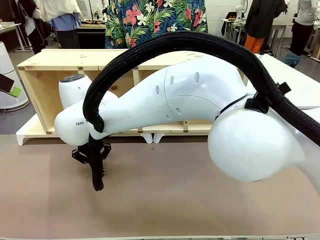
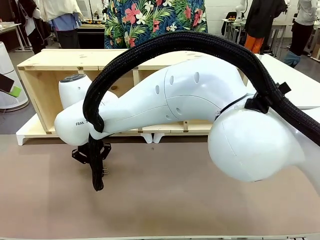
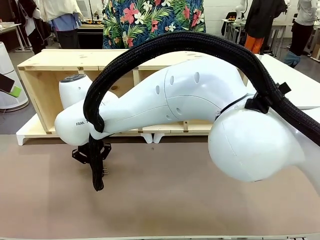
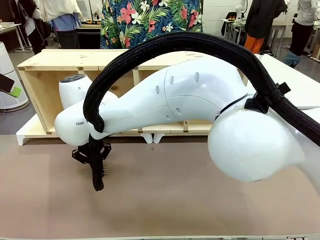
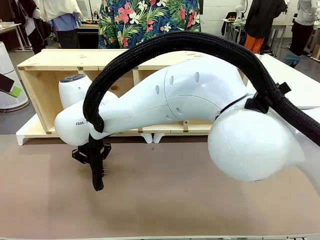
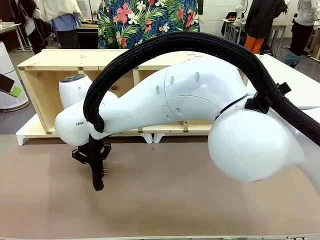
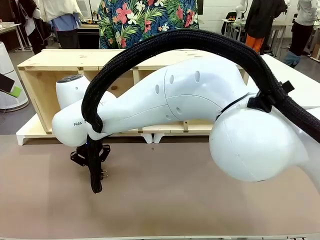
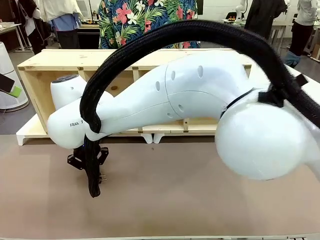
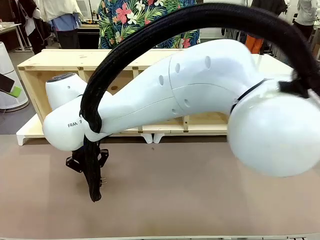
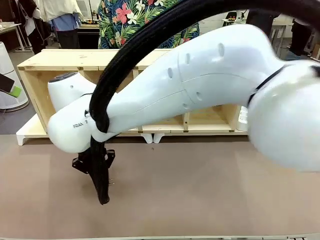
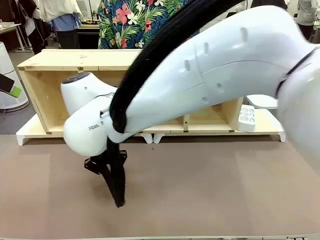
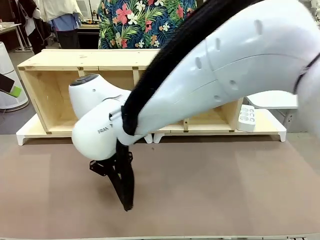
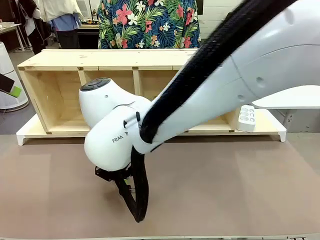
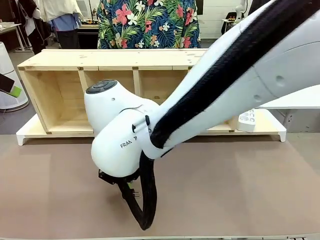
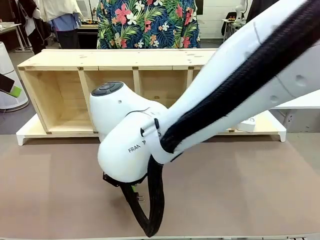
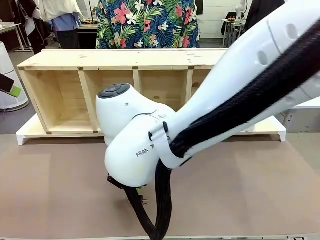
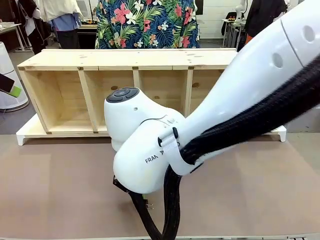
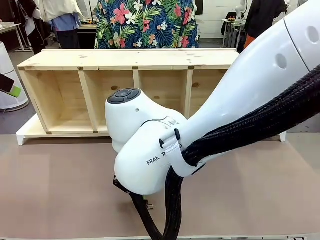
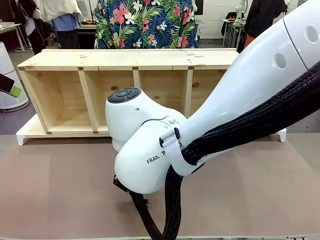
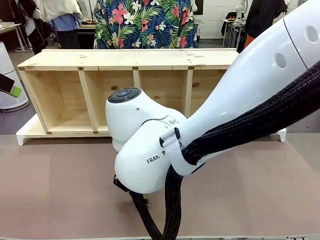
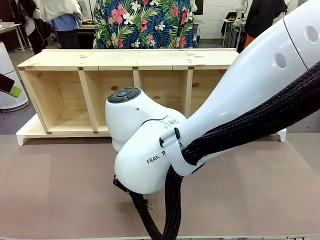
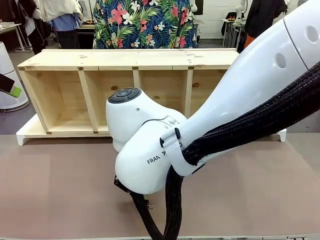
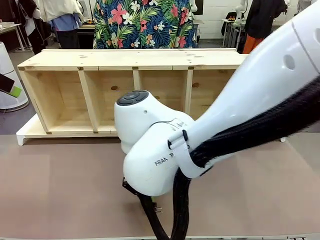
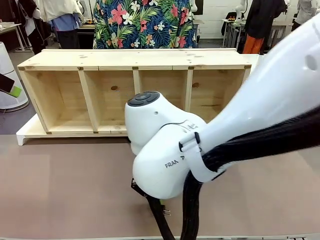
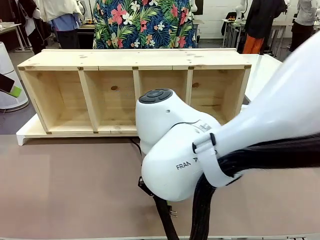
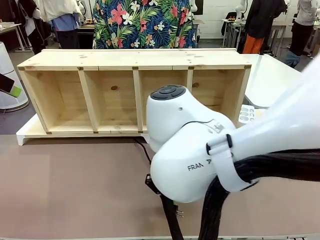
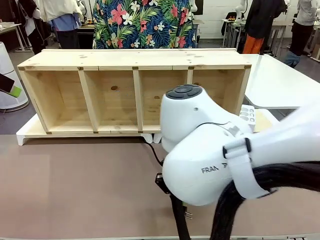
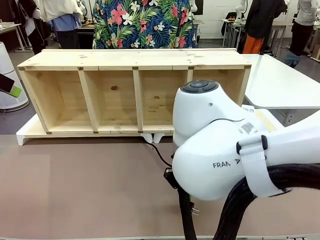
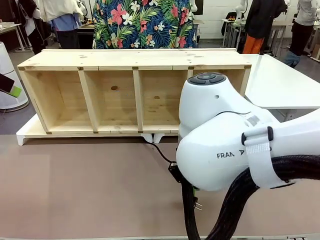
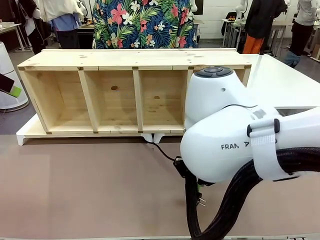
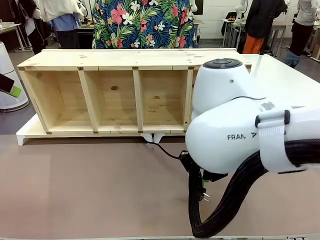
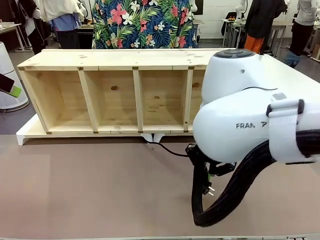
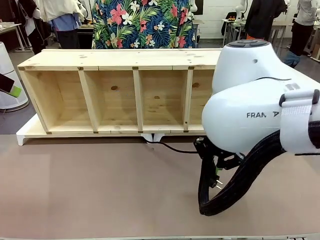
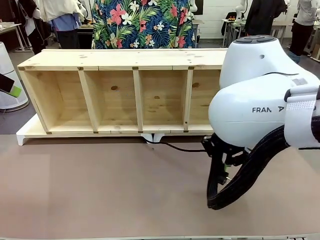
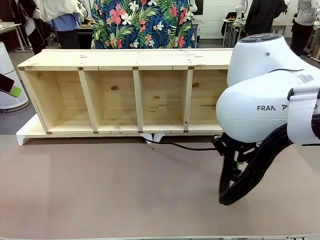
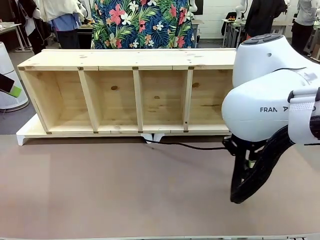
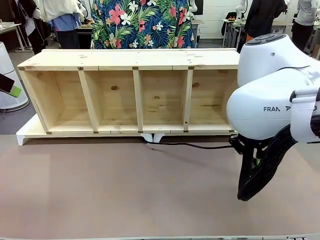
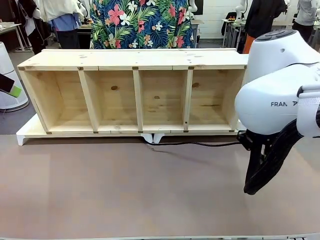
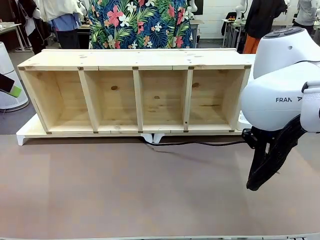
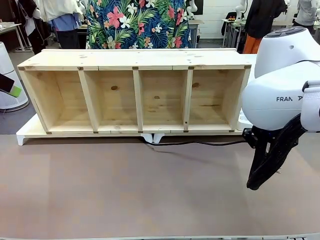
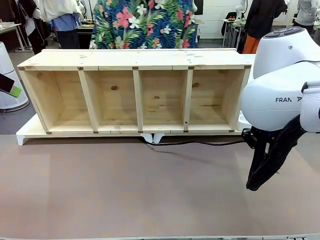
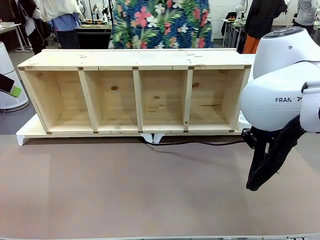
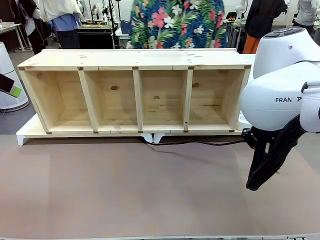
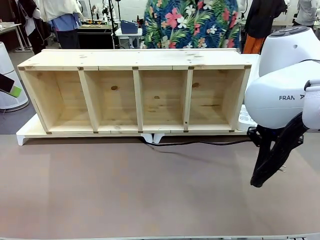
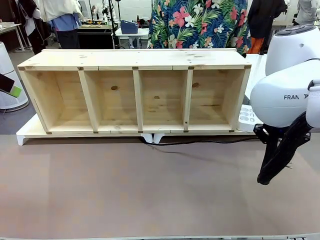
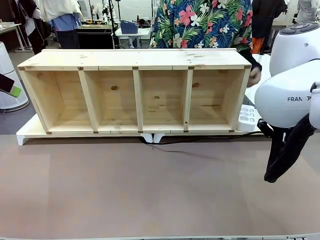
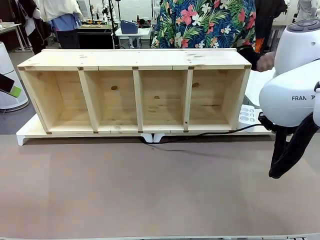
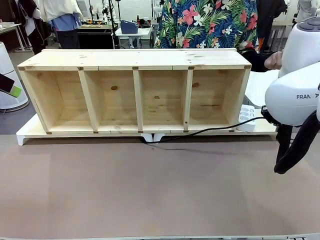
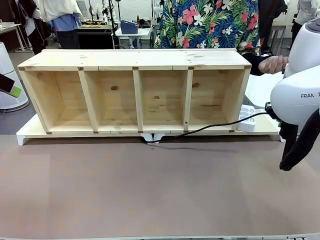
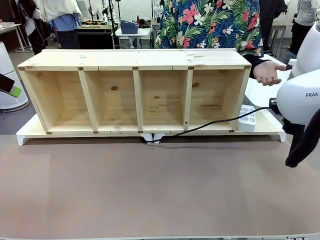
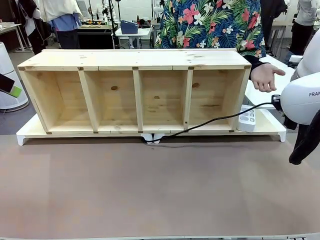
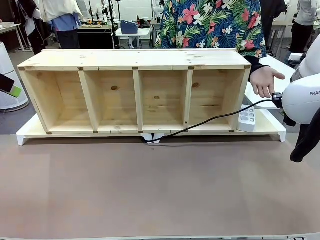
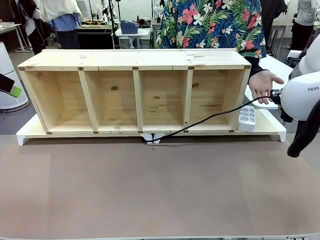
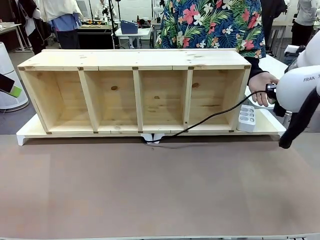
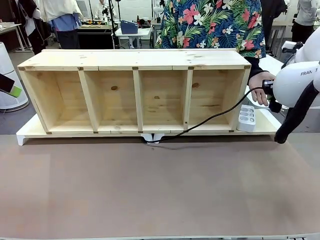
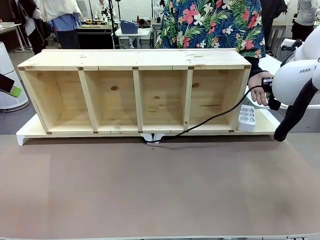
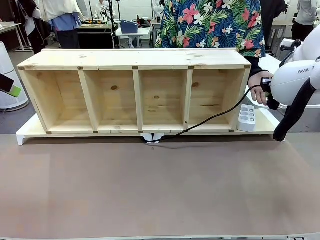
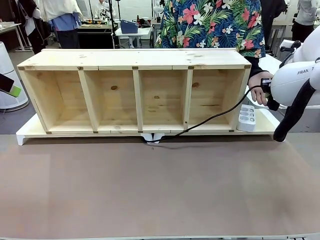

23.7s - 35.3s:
Task: Perform cable management.
Robot: Pull the grasped Power Cable to the location of the Power Strip.

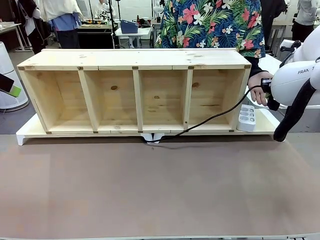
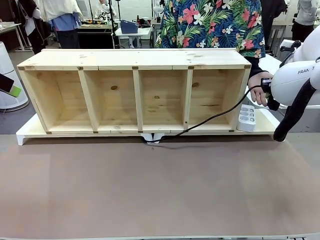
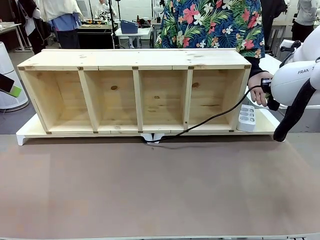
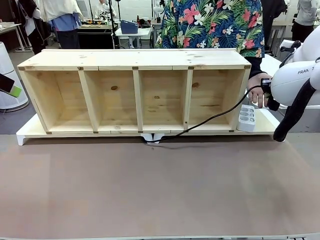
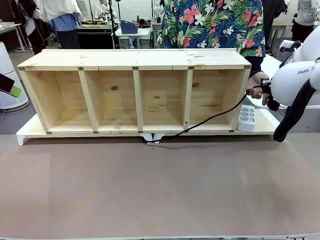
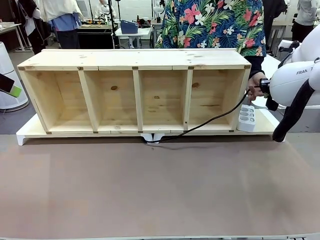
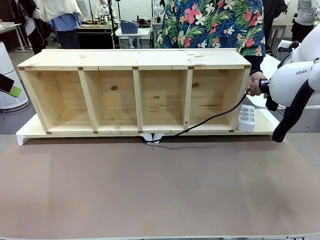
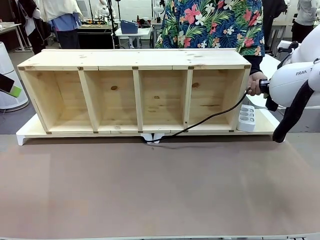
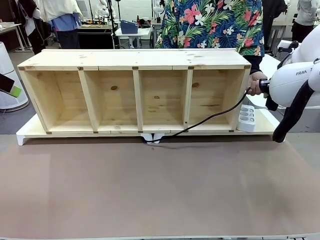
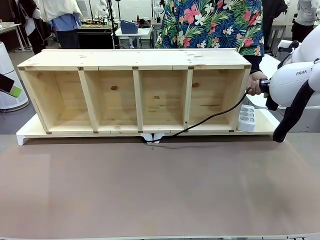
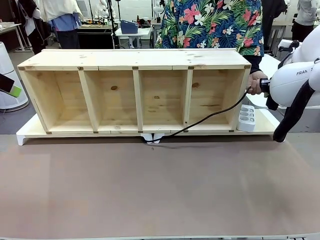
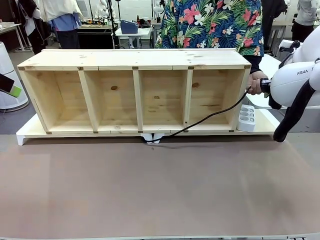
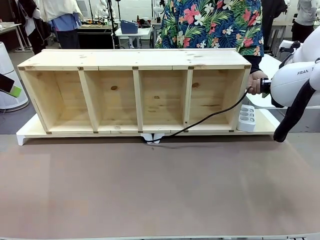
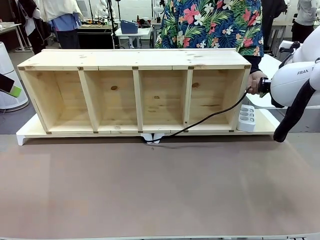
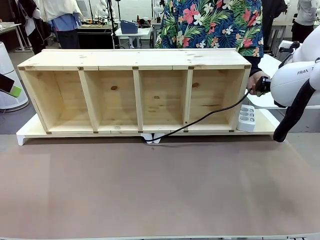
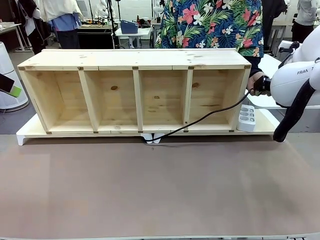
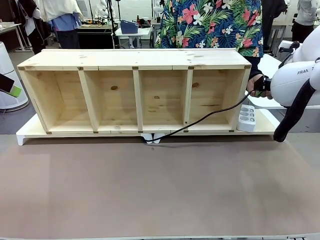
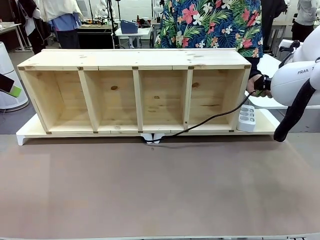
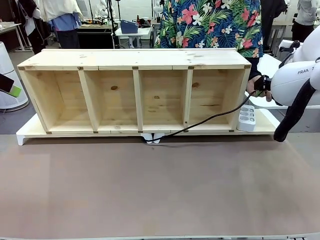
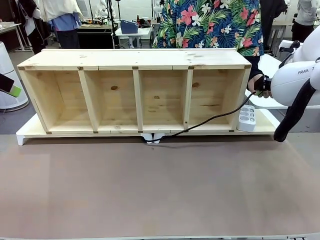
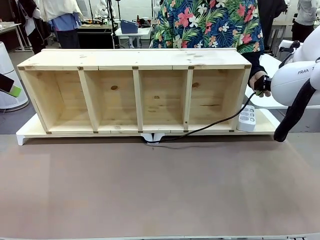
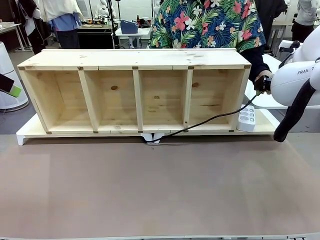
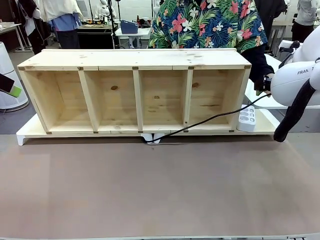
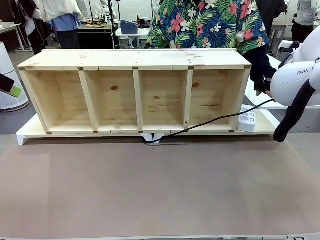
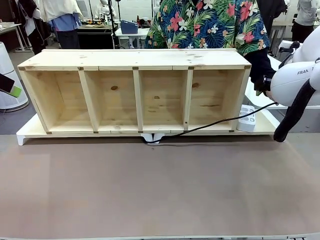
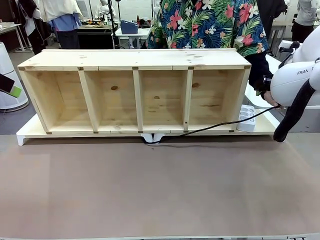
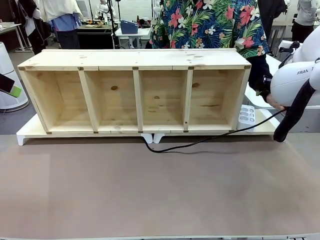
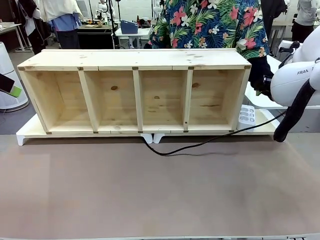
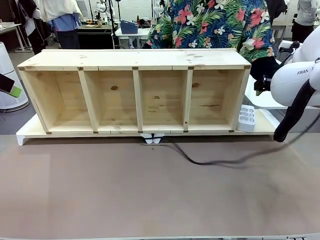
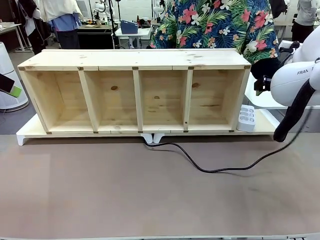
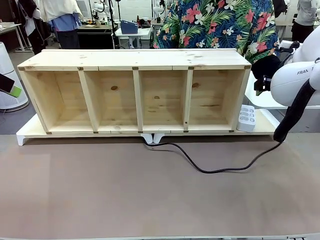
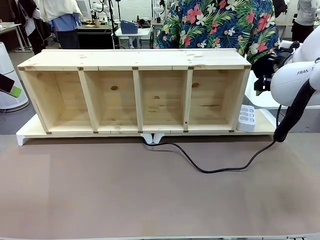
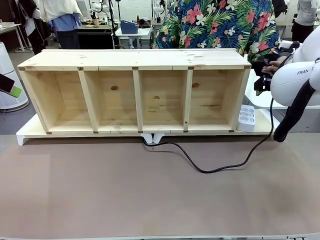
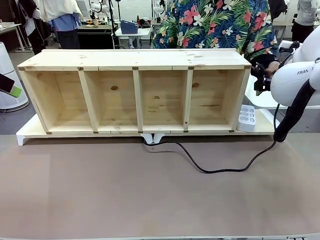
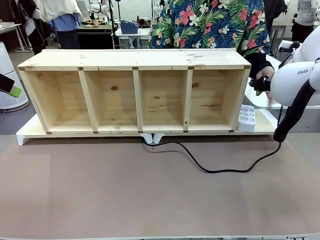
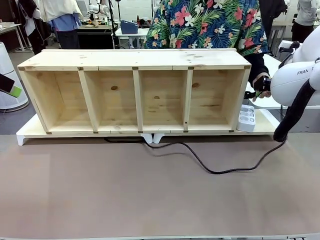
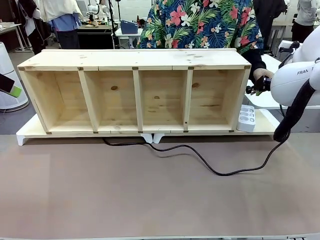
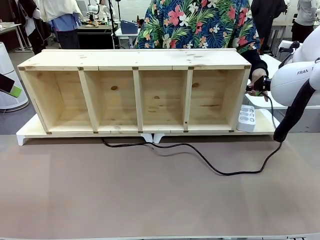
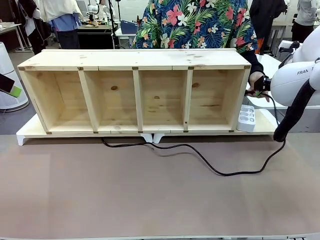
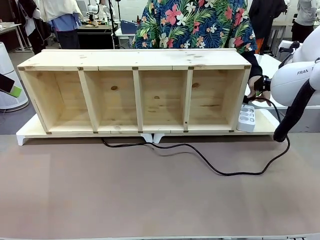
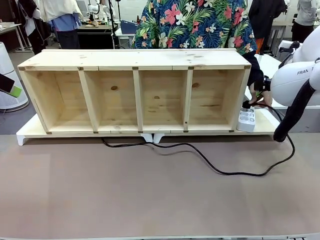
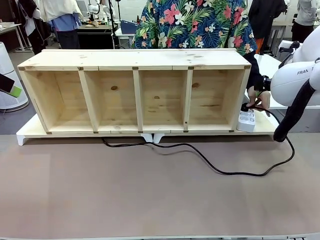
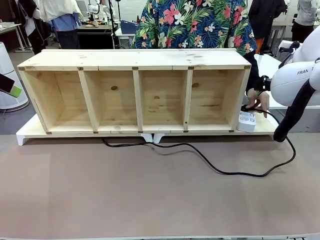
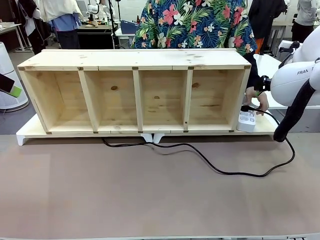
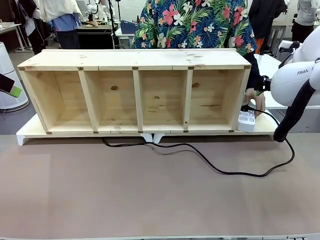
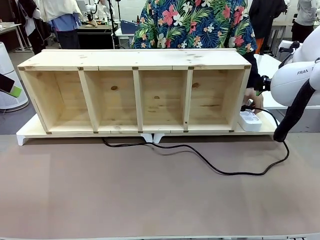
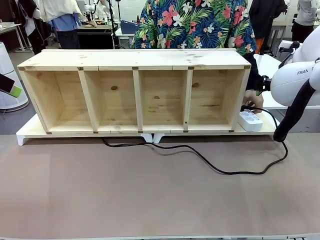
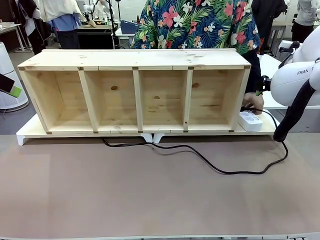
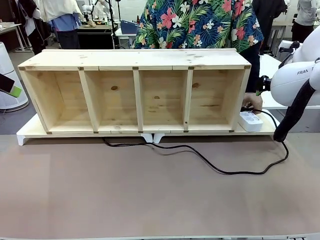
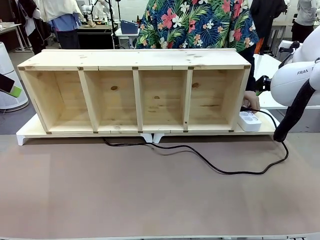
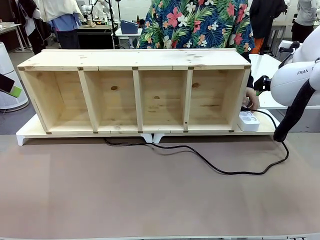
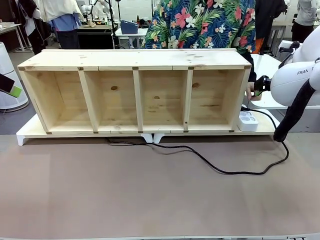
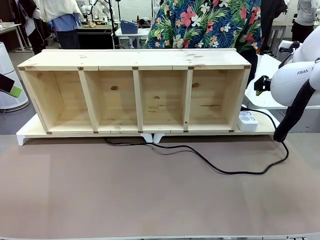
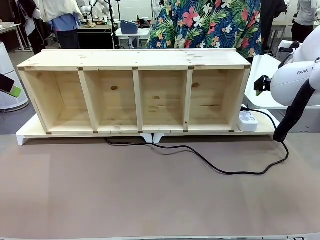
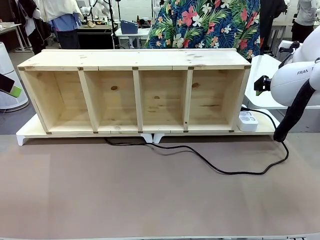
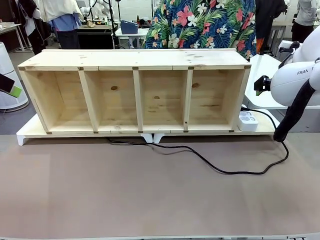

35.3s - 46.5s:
Robot: Release the Power Cable when the human grasps it.
Person: Plug the Power Cable into the Power Strip.
